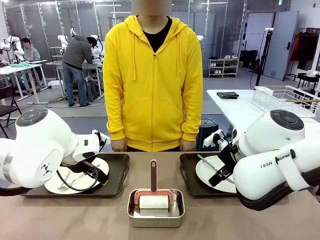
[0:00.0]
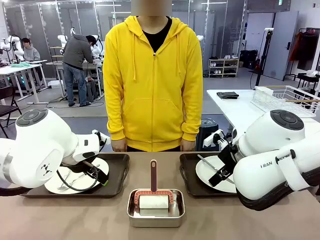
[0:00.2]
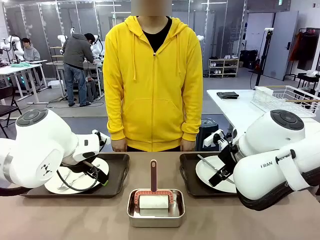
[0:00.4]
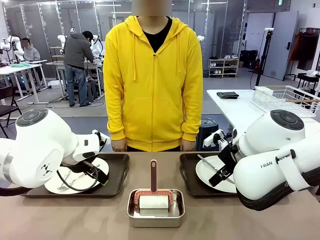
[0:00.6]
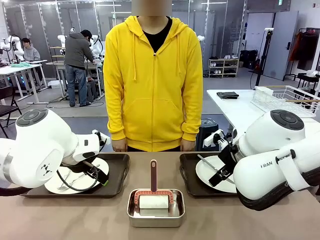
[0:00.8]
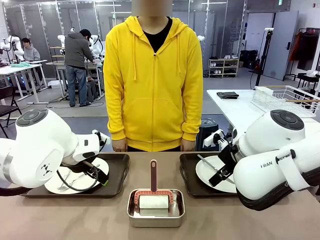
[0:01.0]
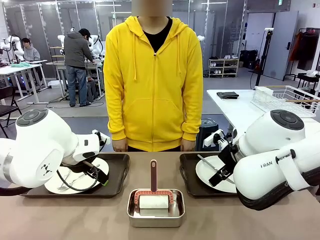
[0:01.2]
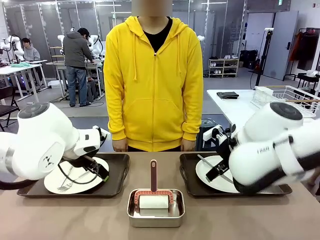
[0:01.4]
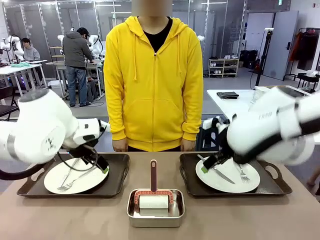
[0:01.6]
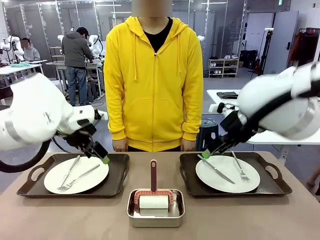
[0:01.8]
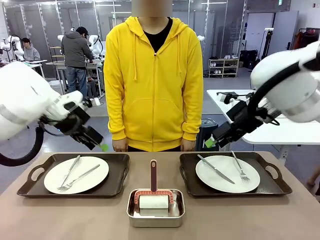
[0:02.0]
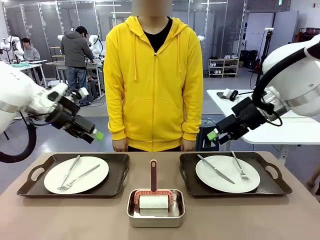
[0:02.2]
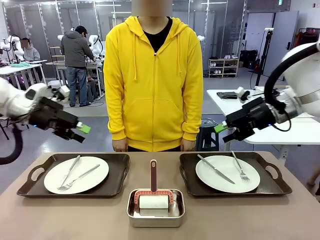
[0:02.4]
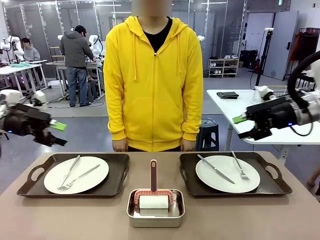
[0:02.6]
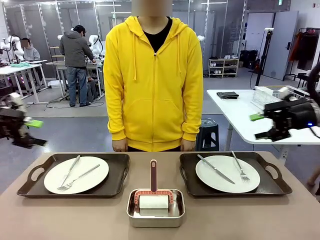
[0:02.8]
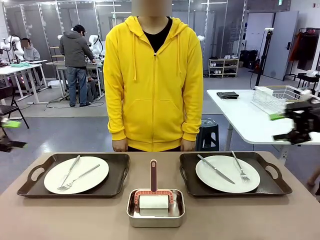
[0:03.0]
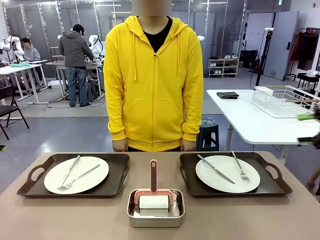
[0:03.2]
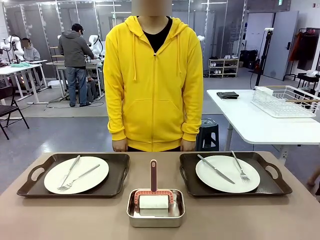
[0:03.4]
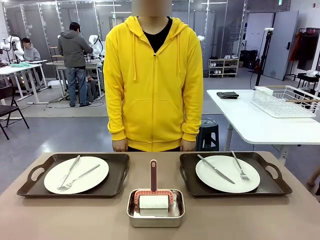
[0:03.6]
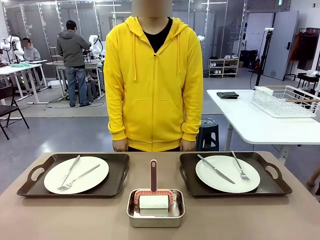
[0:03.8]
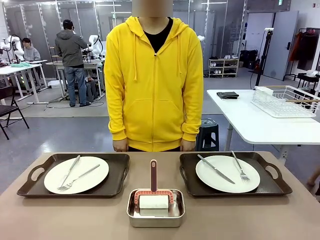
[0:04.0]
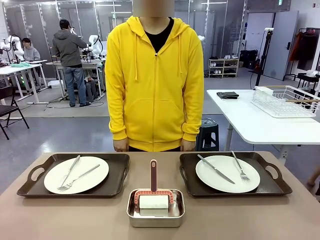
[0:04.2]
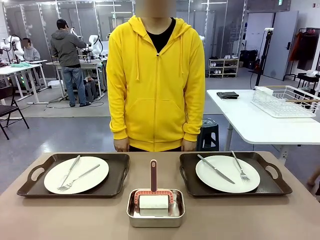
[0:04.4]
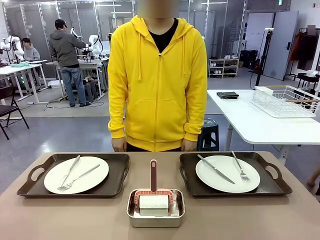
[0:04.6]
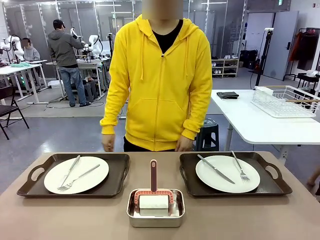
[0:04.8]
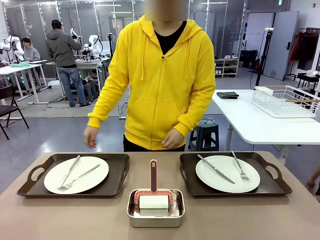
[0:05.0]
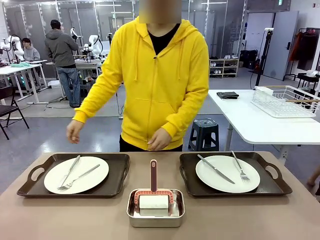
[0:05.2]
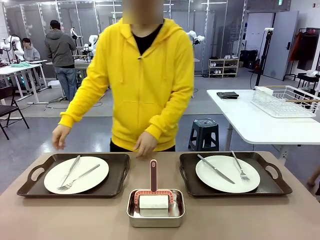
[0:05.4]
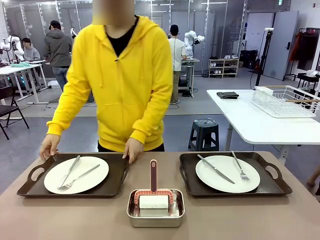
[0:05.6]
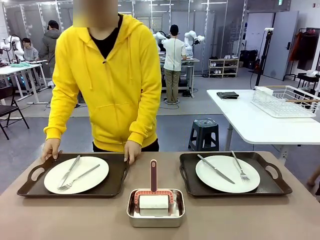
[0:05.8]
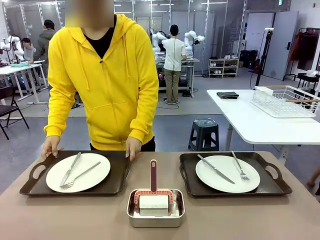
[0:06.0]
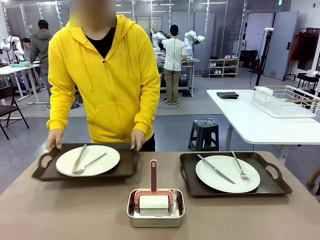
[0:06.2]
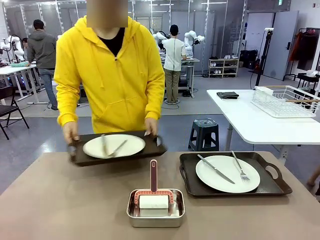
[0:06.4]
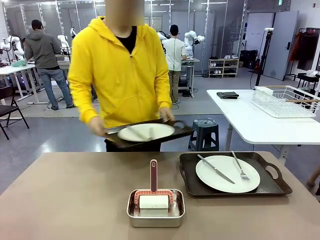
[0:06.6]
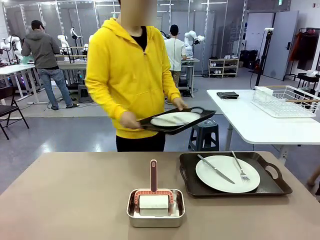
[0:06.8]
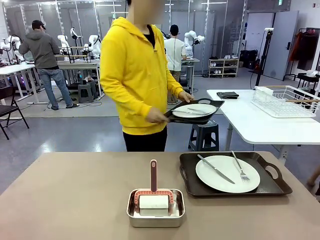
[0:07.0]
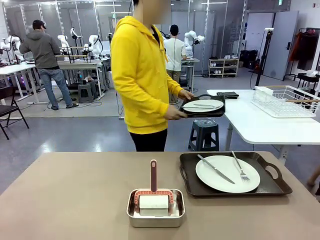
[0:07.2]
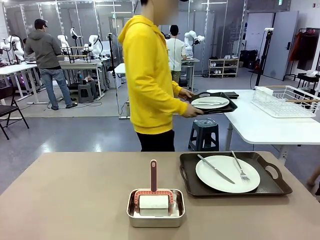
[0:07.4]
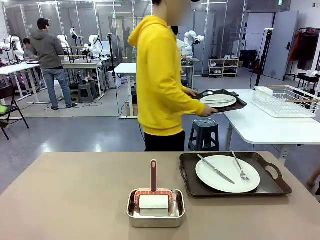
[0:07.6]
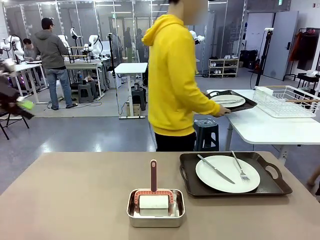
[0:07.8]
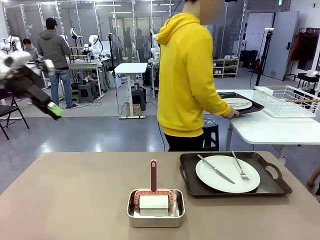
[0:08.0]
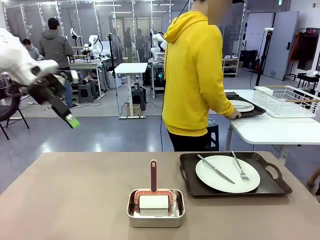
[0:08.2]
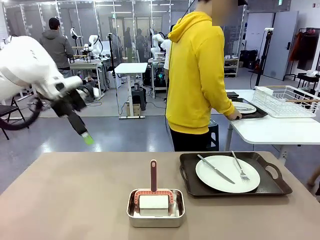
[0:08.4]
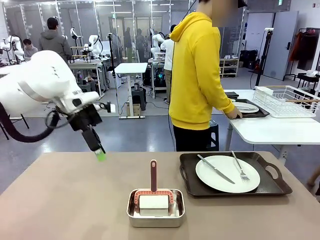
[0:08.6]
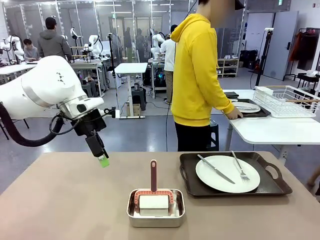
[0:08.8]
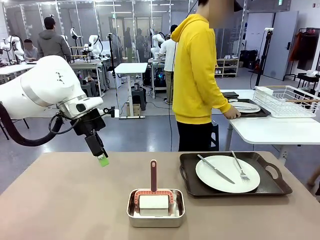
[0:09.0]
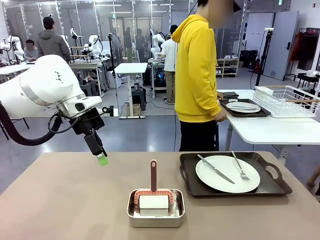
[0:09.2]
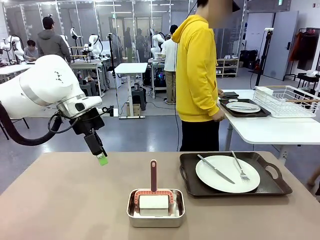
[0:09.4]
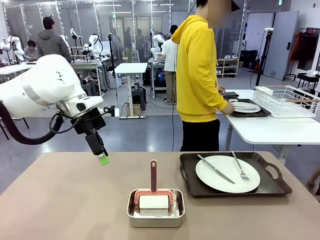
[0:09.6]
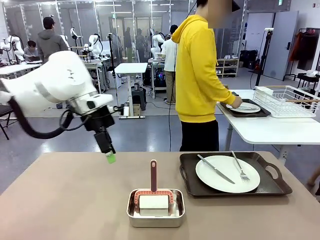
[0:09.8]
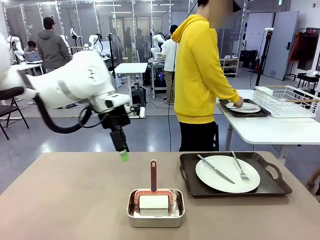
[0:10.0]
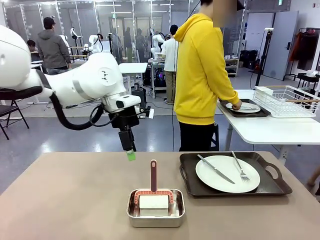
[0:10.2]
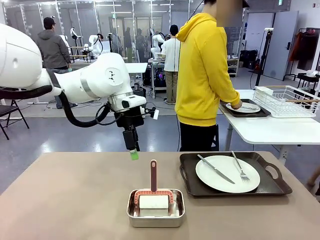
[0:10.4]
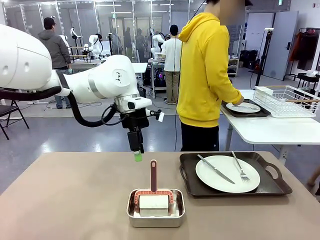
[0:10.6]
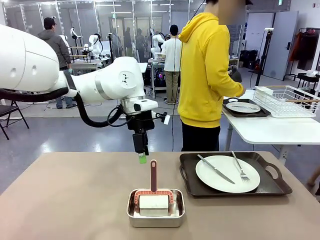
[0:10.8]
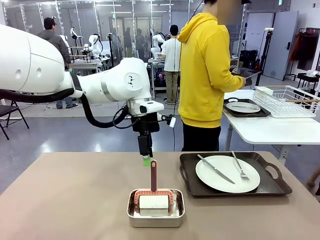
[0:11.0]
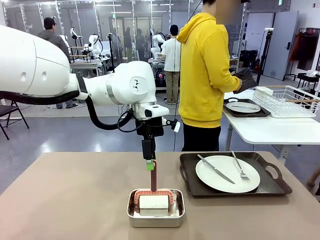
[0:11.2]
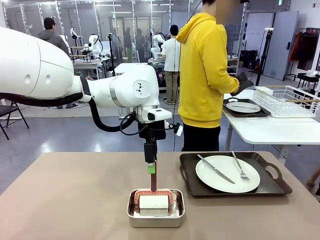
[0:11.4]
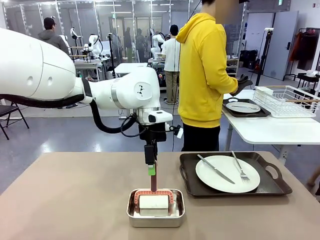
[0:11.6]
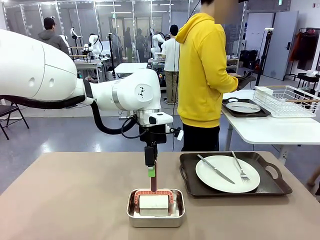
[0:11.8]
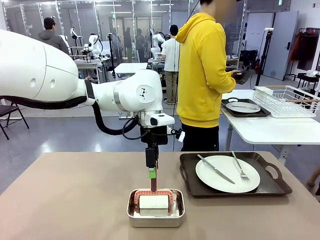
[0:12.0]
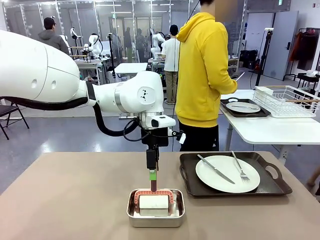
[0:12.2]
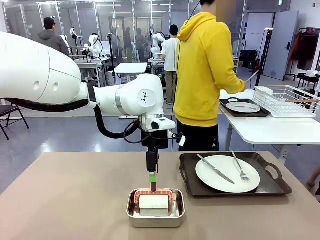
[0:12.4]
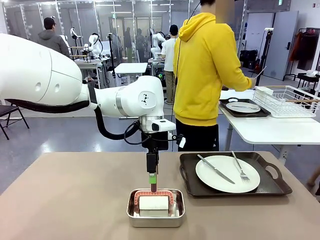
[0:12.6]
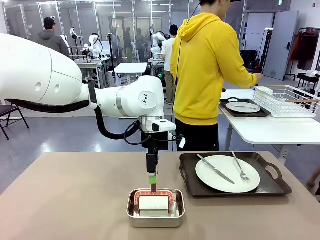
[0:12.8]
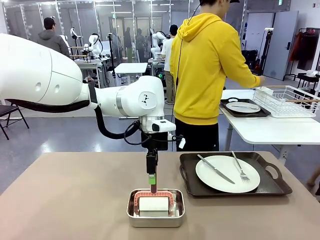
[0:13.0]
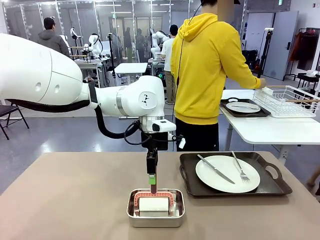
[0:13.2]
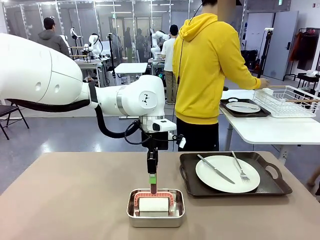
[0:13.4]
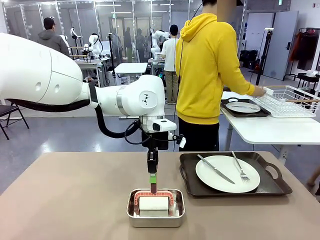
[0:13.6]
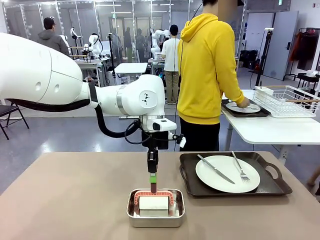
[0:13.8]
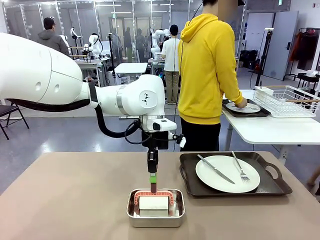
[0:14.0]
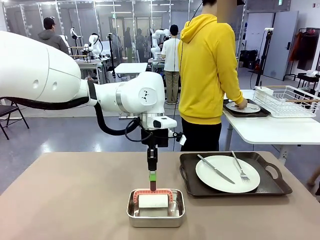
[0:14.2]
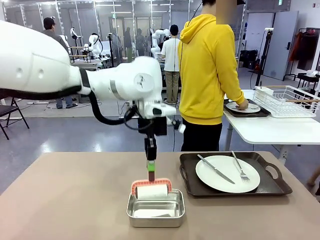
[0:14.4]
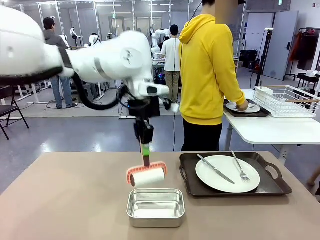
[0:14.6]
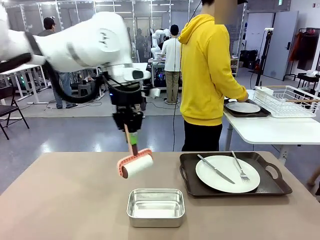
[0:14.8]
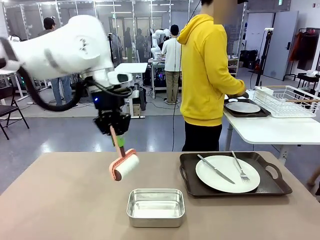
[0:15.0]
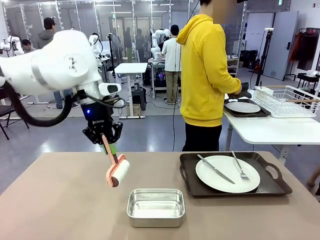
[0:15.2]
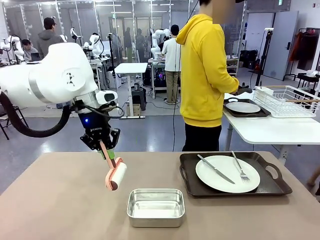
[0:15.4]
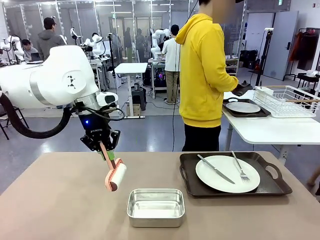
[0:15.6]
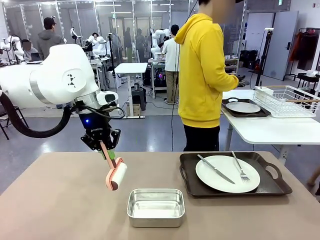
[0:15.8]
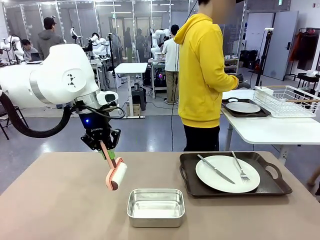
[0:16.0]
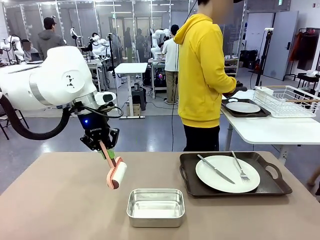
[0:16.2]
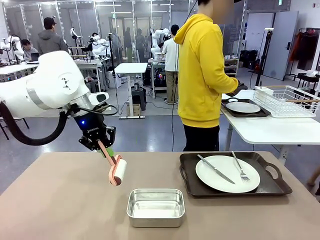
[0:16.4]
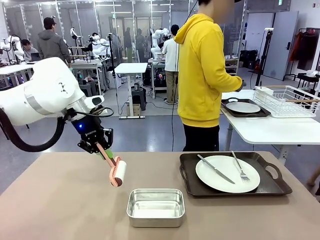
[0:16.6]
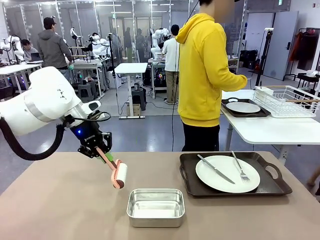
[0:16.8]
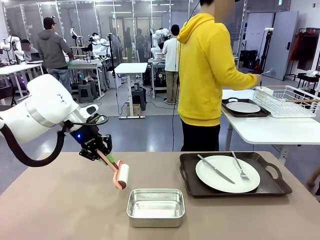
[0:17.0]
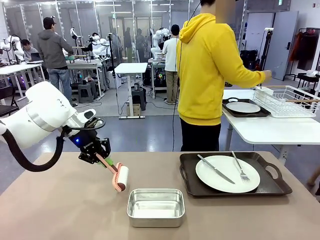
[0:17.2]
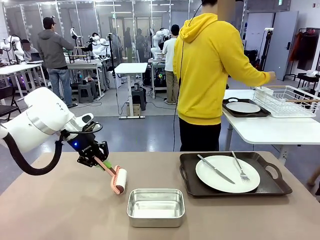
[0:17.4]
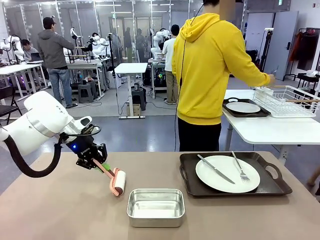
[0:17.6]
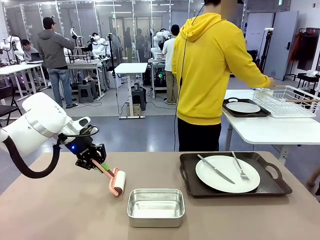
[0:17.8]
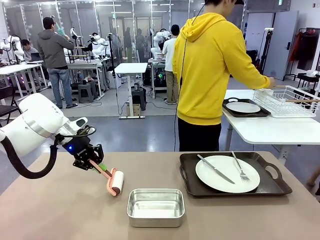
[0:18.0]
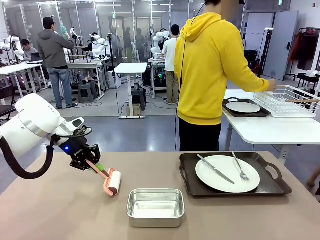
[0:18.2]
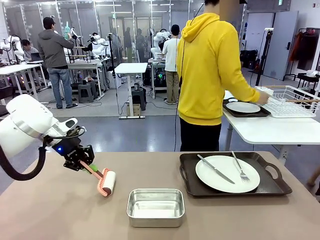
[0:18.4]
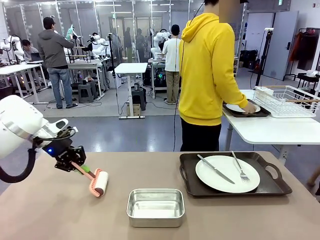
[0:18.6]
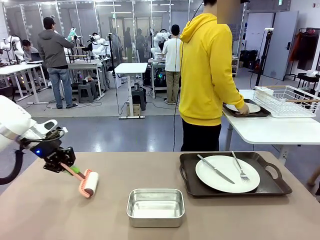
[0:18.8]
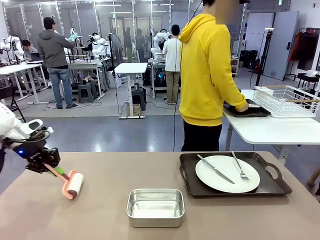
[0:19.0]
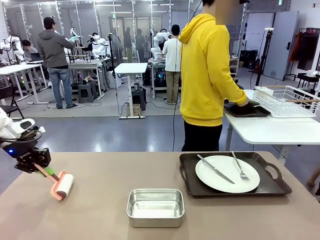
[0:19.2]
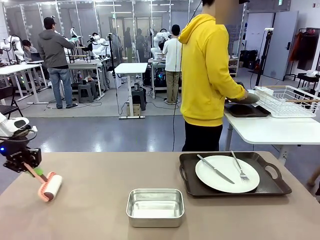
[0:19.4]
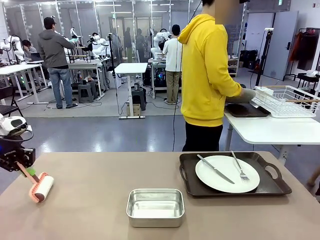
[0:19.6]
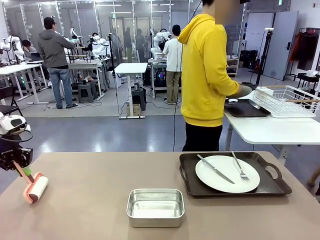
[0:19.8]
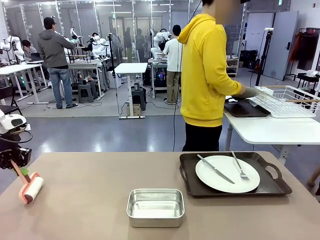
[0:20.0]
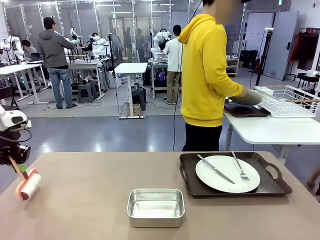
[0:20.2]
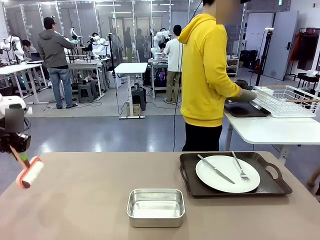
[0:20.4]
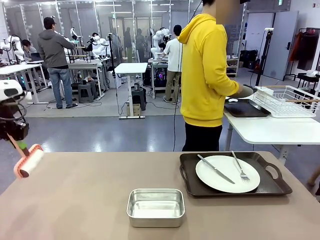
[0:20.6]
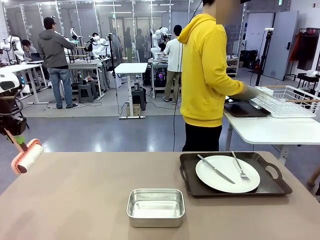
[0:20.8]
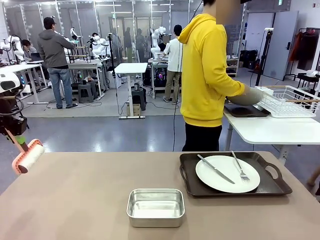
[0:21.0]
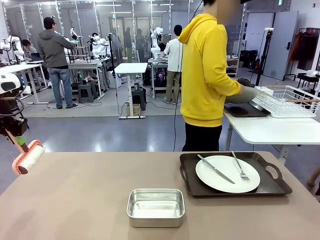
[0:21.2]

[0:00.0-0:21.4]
Robot: When the left (or right) Handle tray is removed, use the left hand (or right hand) to clean the left (or right) side of the table with the Lint Roller.
Person: Pick up the left (or right) Handle tray and place it on the middle of the Human's table. Use the Towel with hook to wipe the Plastic Matte Plate , Fork , and Knife and place into the Dish drying rack.
